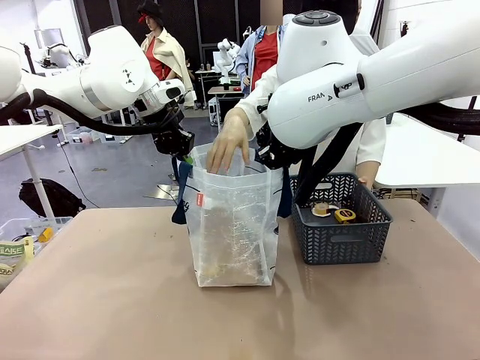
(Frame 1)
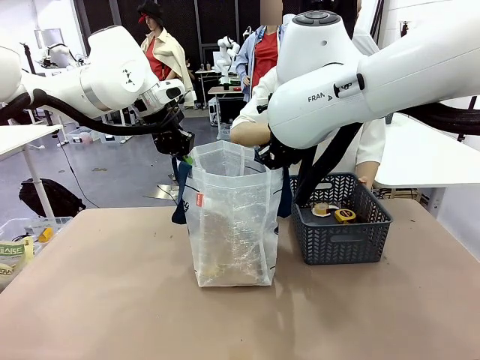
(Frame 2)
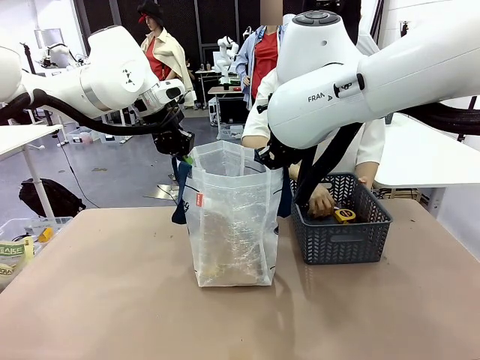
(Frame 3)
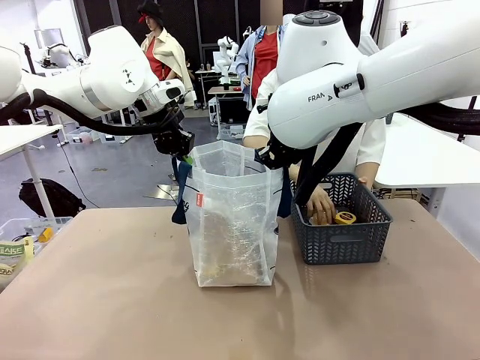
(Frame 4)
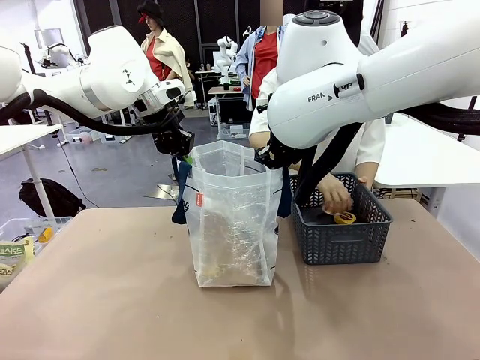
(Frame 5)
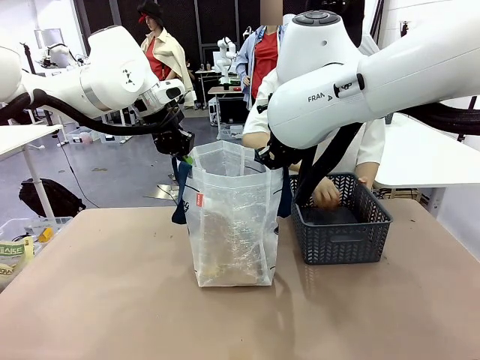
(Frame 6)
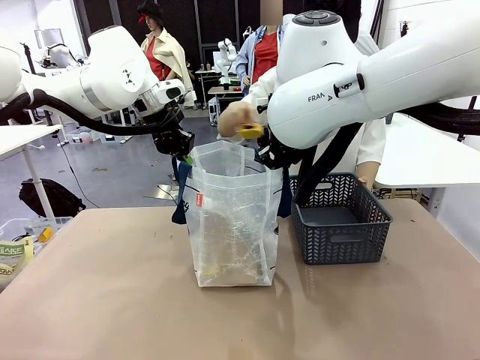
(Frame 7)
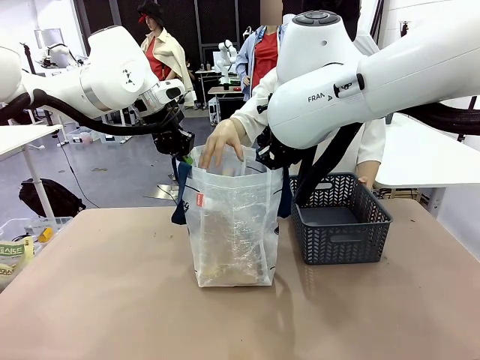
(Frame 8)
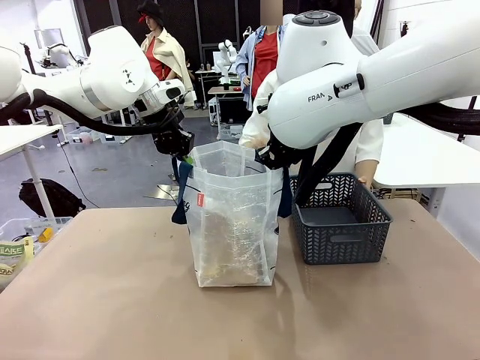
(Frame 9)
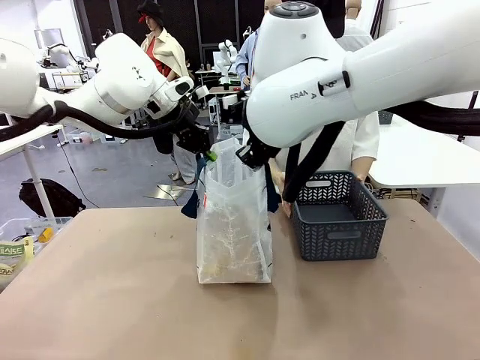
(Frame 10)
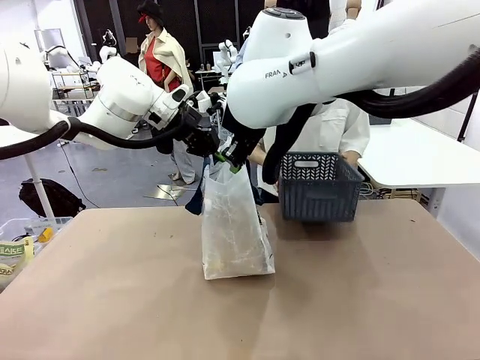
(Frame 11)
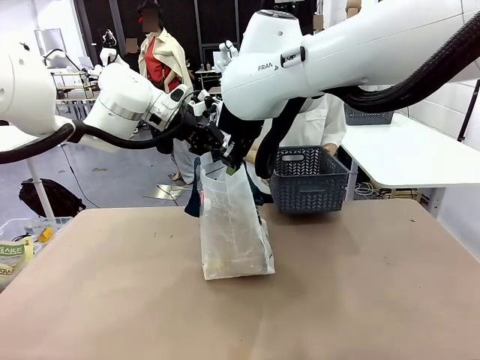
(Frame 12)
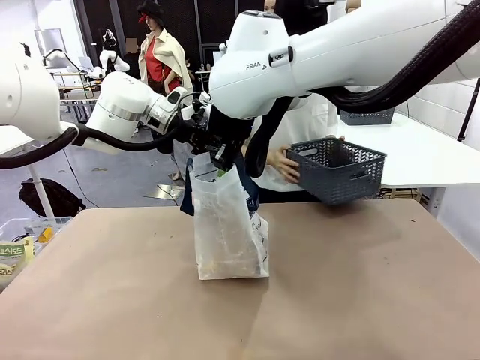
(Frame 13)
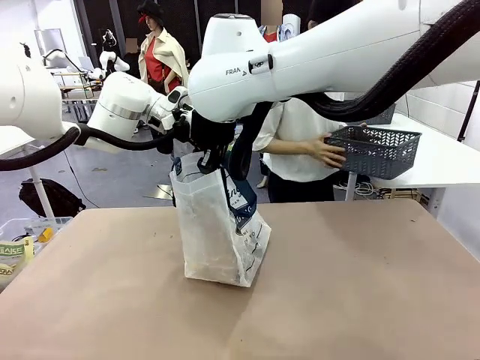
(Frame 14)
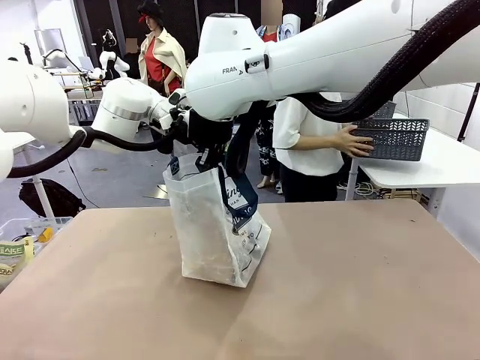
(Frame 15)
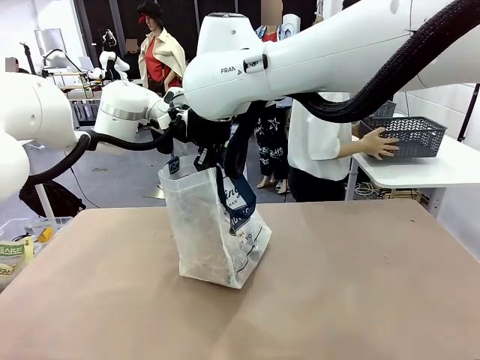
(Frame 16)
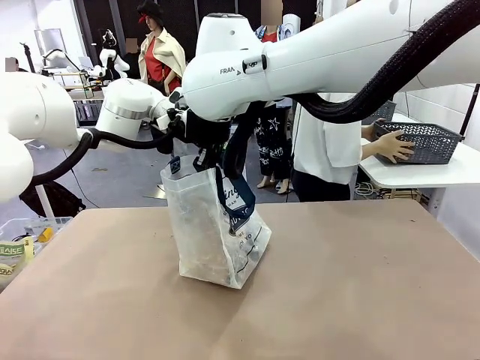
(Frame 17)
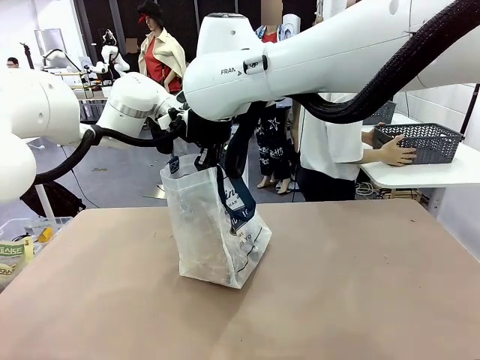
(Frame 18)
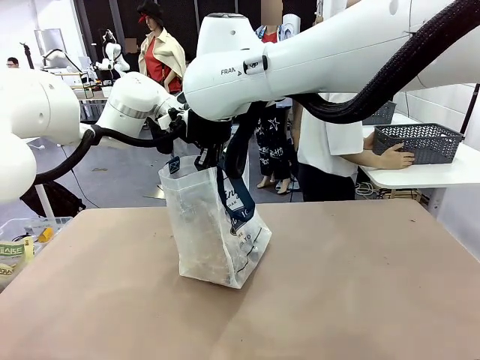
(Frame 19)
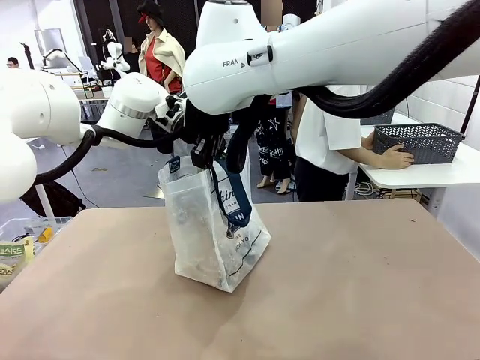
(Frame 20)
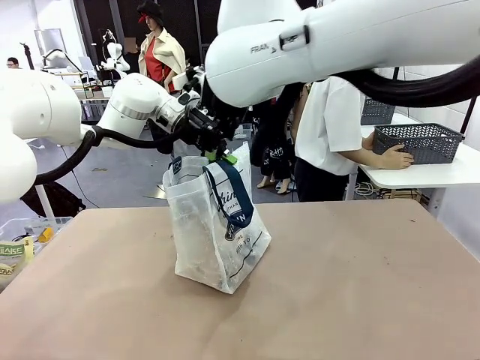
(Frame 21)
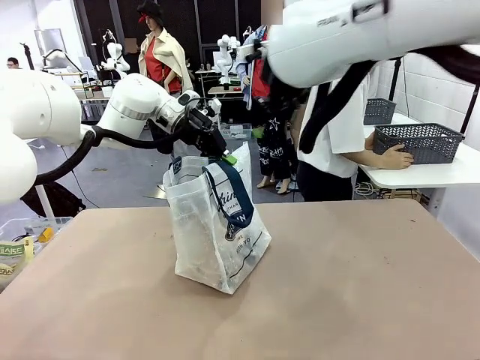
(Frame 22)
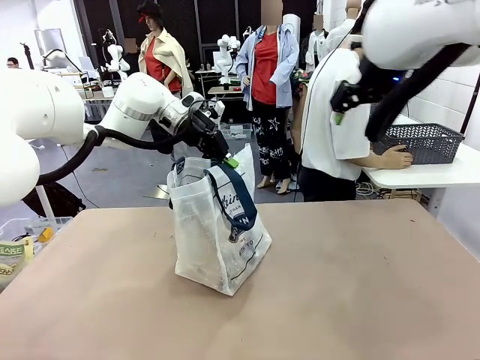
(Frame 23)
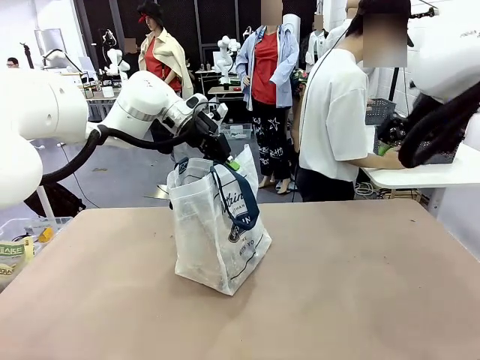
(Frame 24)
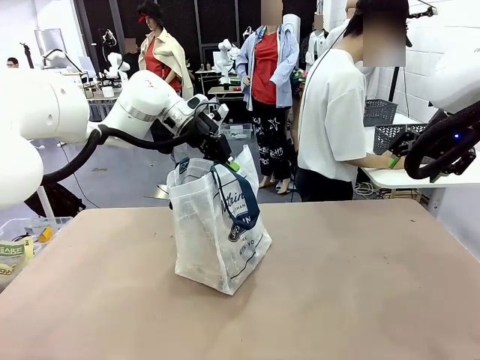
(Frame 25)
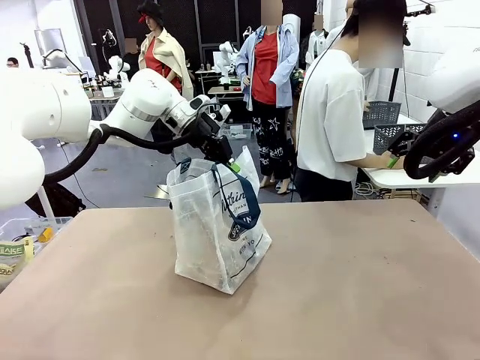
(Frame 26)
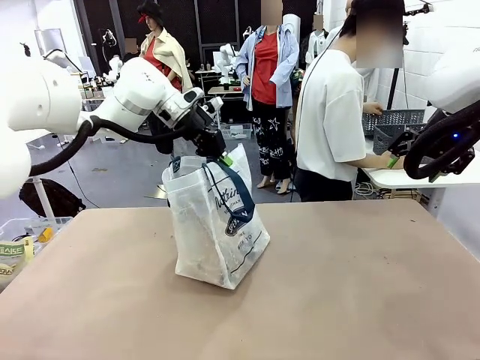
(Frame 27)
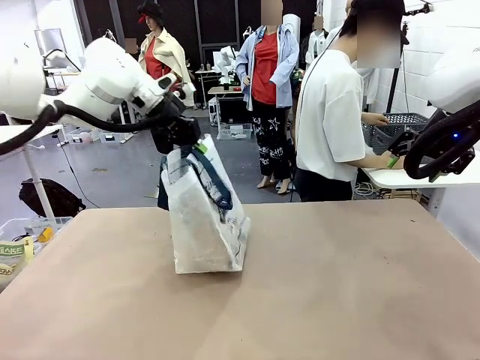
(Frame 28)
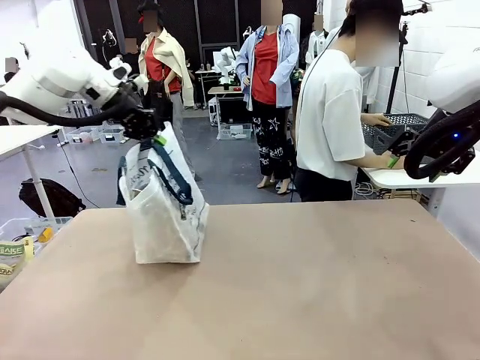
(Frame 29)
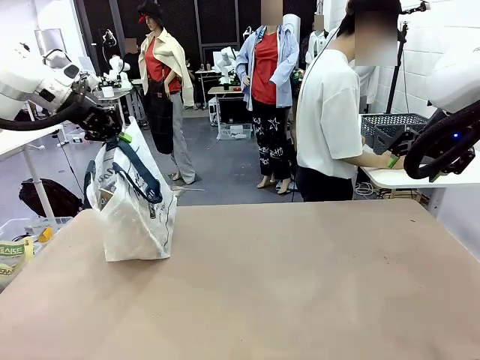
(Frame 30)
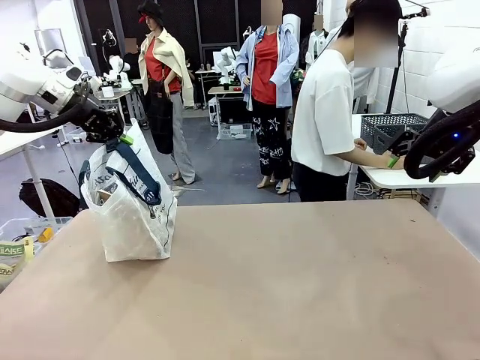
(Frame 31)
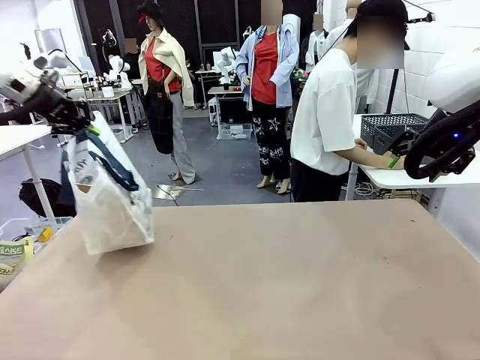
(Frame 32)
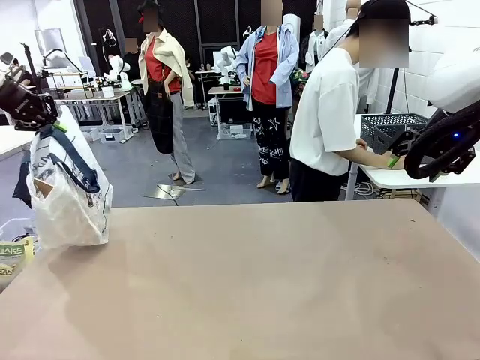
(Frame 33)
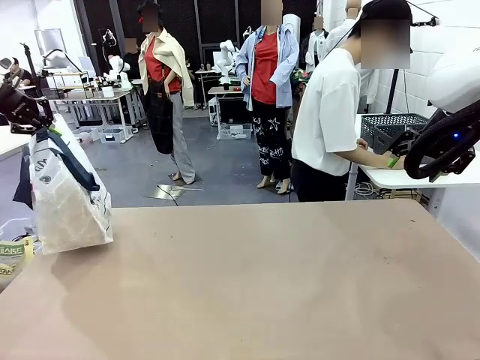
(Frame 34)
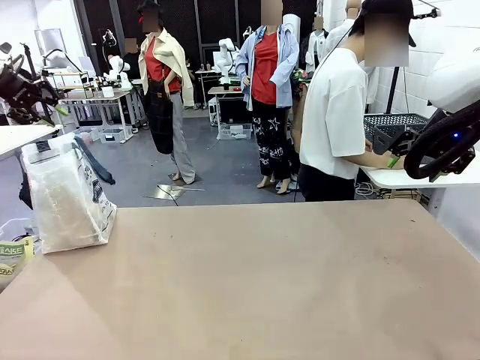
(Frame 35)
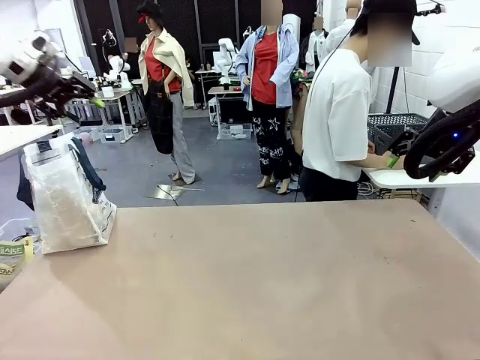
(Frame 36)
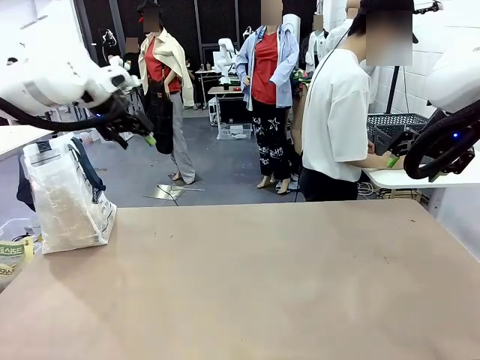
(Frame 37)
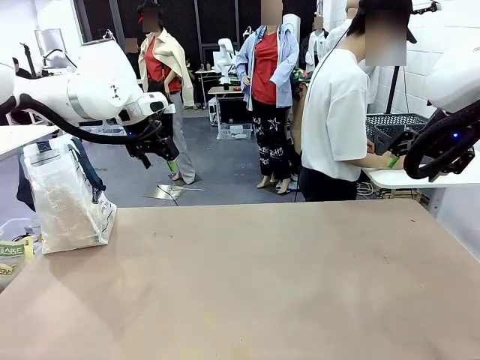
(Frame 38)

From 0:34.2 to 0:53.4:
Task: Transfer purchased items from the store into the shopping bag.
Robot: Move the Reusable shopping bag to the right side of the table.
Person: Move the basket on the left to the middle of the person's table.

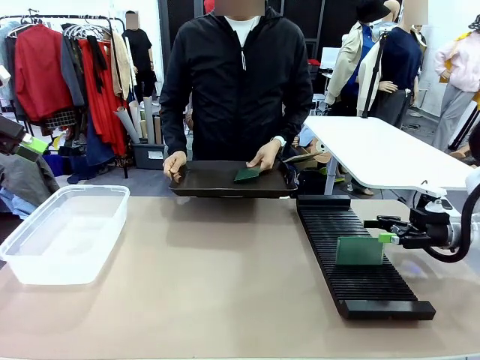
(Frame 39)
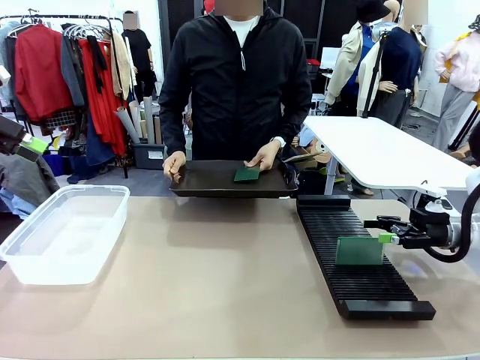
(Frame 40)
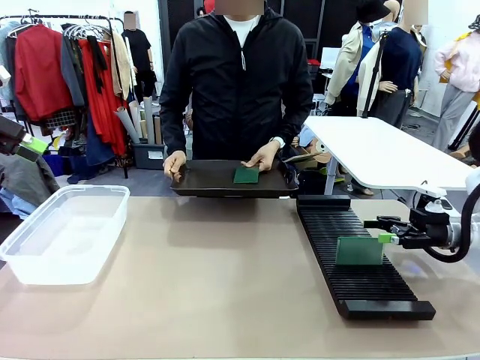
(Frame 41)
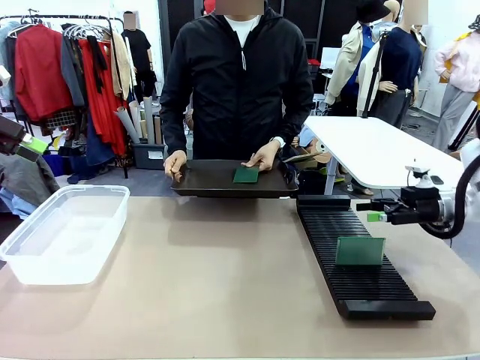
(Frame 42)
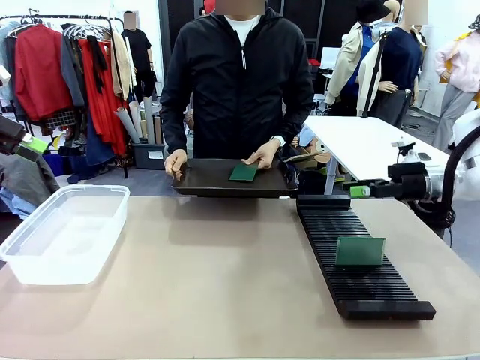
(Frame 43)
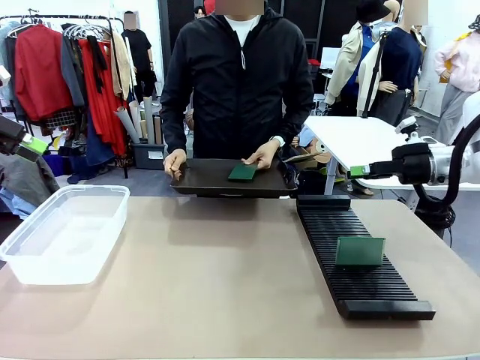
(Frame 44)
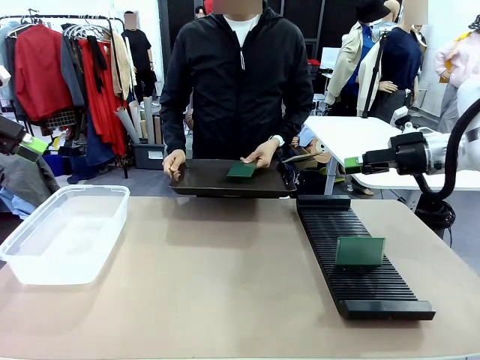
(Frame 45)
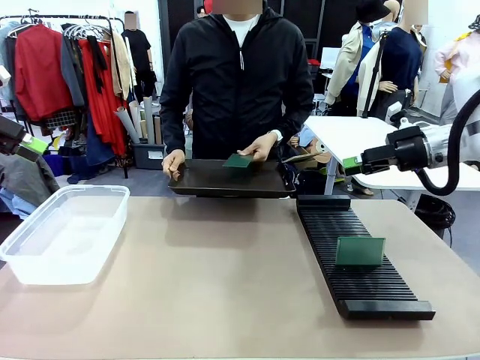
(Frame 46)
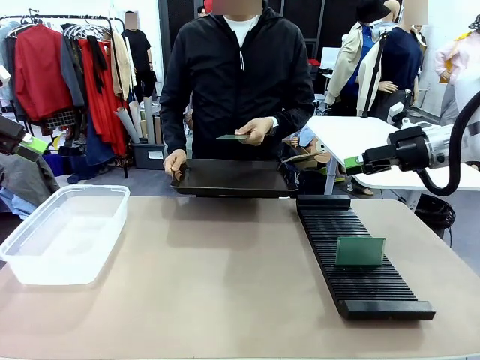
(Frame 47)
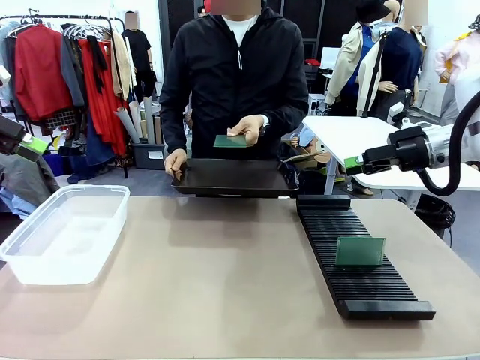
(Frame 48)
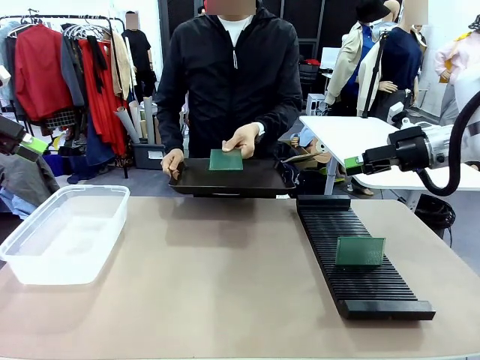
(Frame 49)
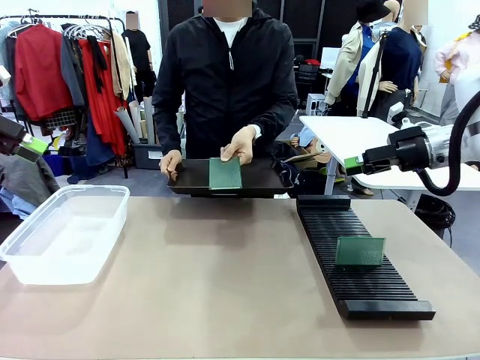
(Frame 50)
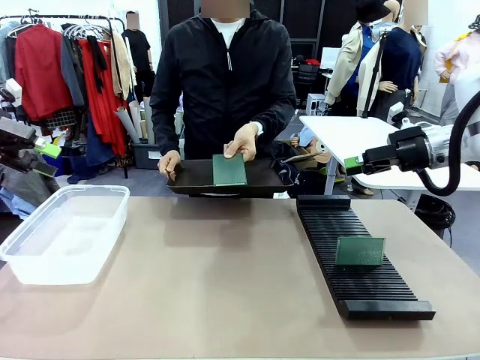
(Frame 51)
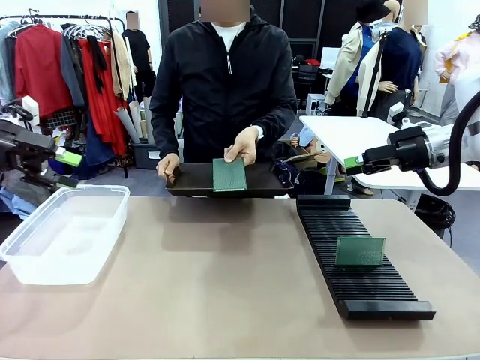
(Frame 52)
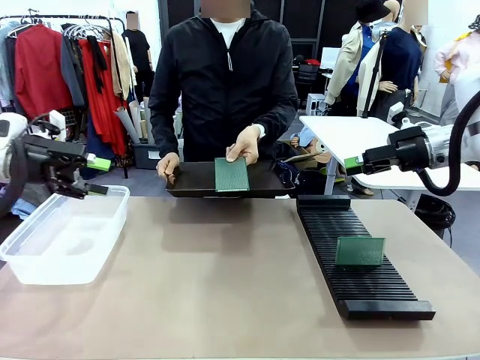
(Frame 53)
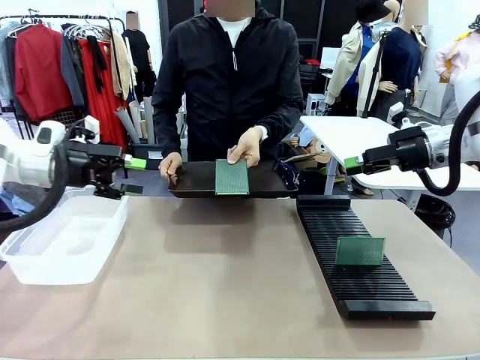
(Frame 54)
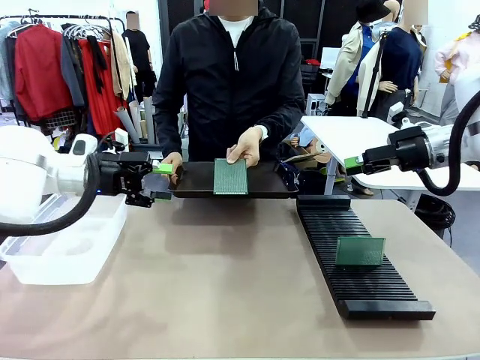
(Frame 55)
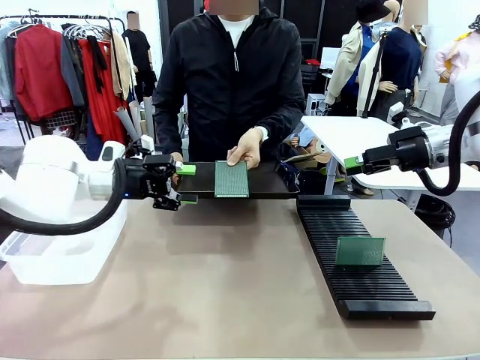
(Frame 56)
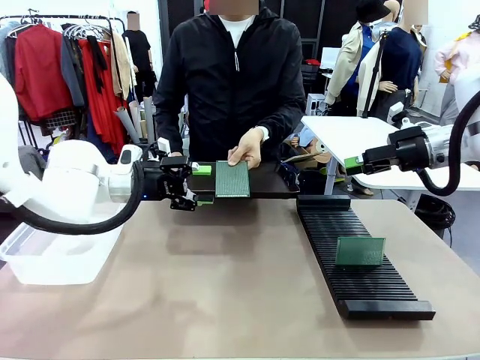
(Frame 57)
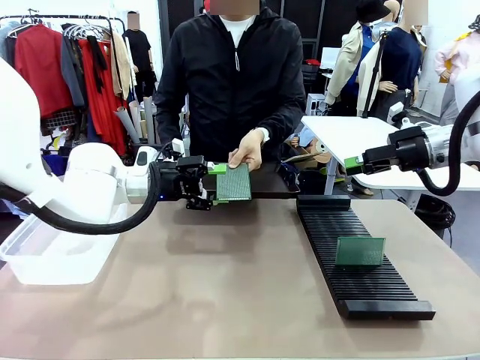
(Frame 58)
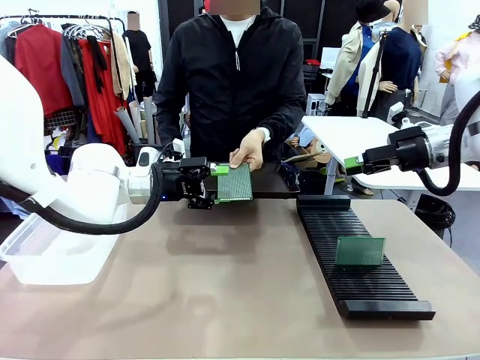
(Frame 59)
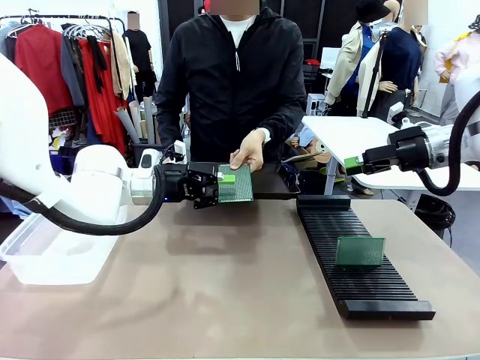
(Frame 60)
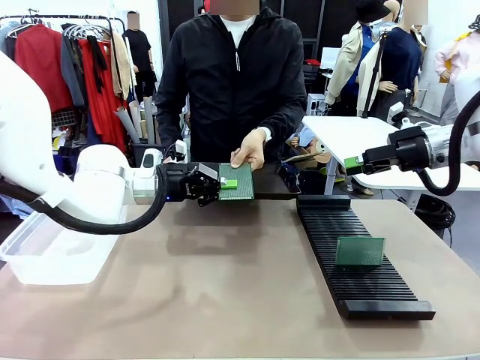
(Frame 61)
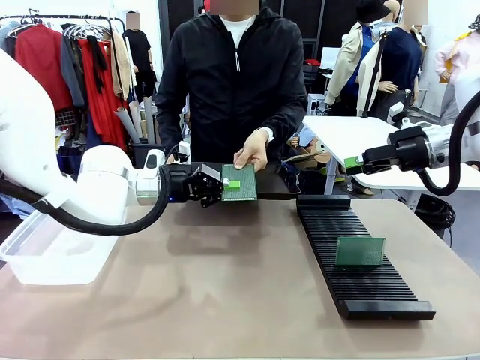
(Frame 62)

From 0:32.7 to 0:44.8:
Task: Sort PCBs into racks and boxes based on the side picked up.
Robot: Pick up the Blank PCB handed by the Human.
